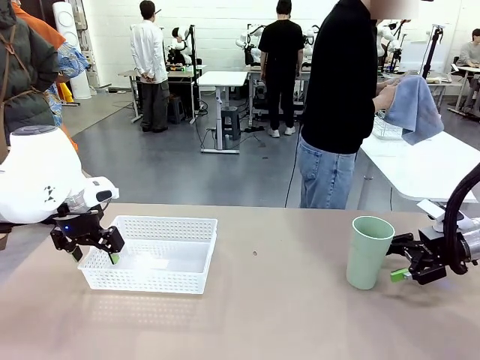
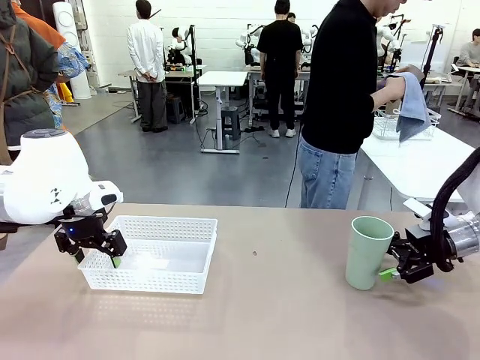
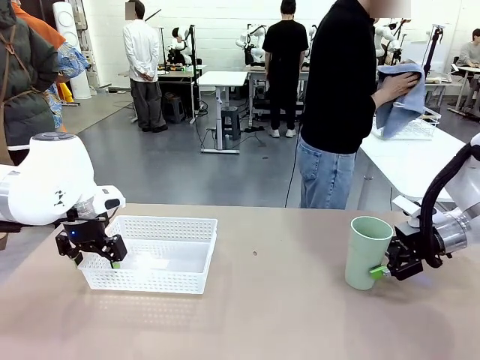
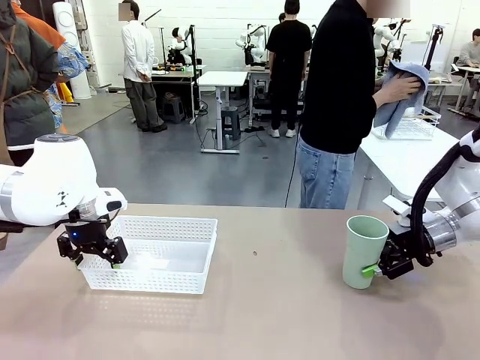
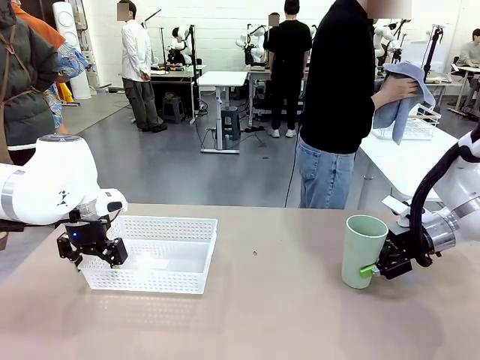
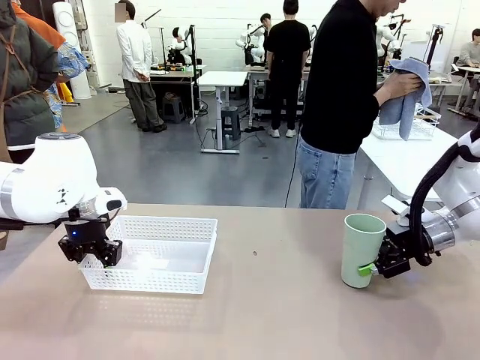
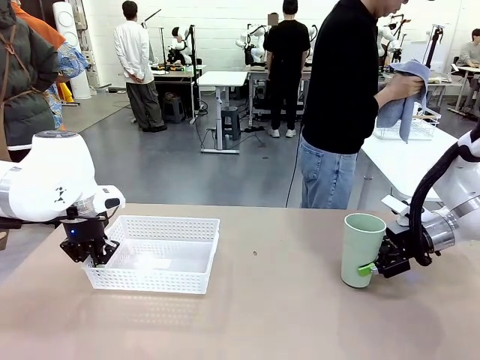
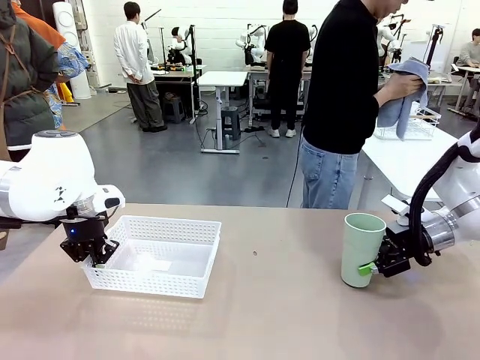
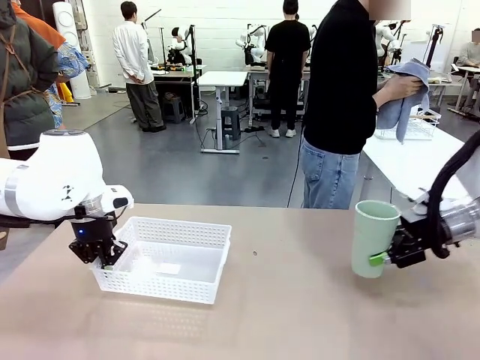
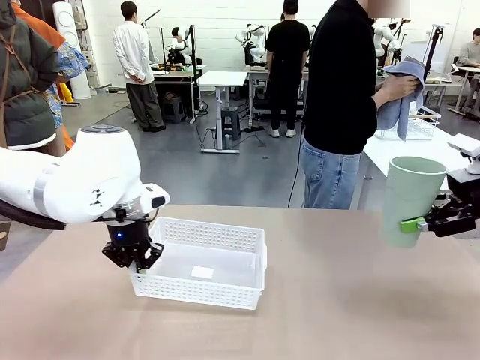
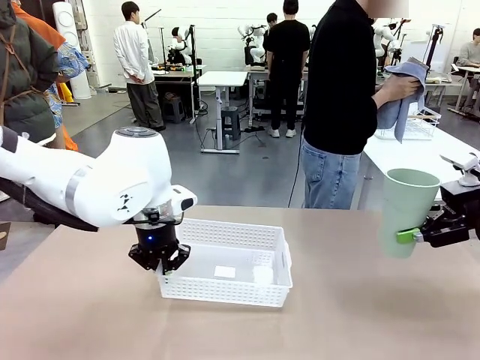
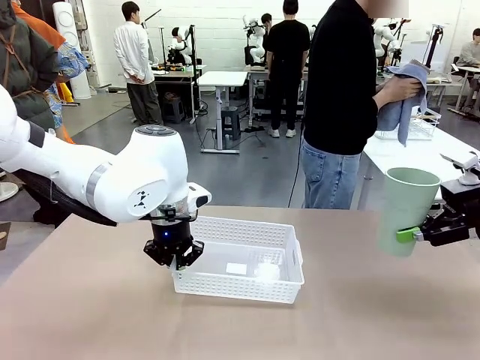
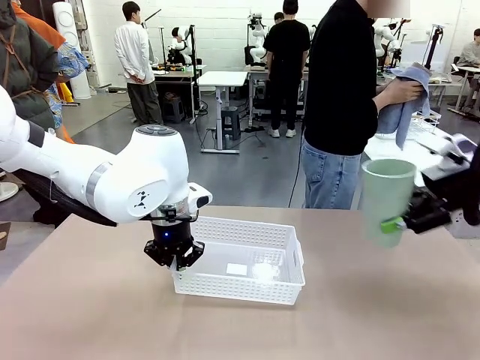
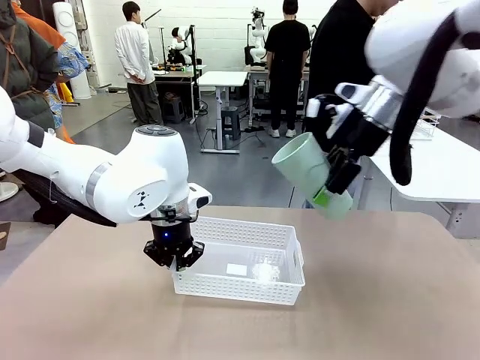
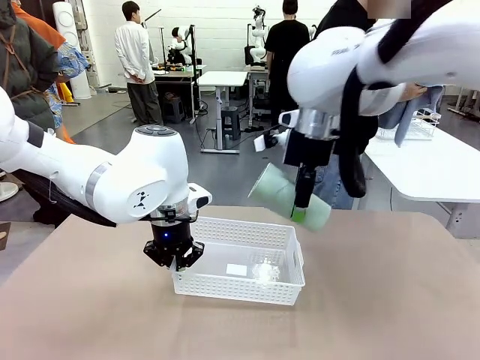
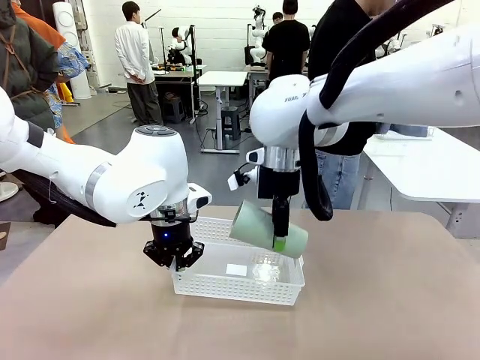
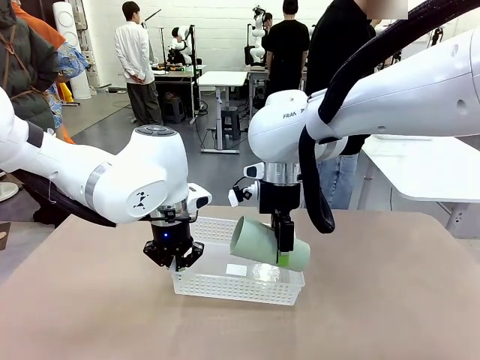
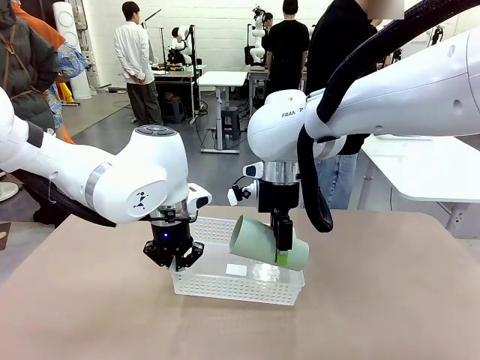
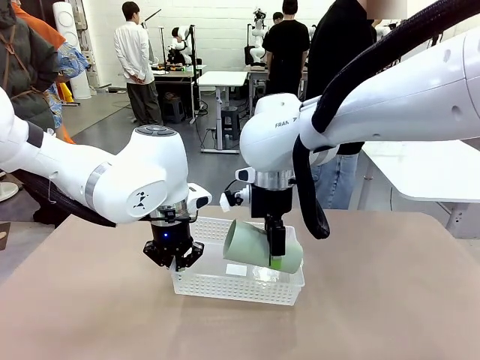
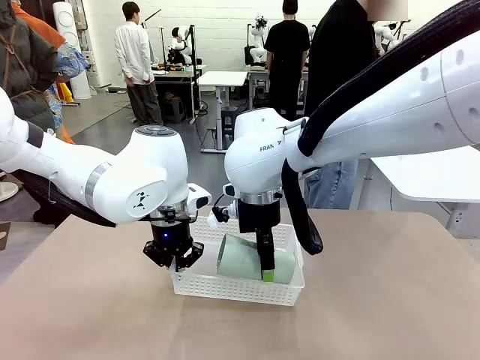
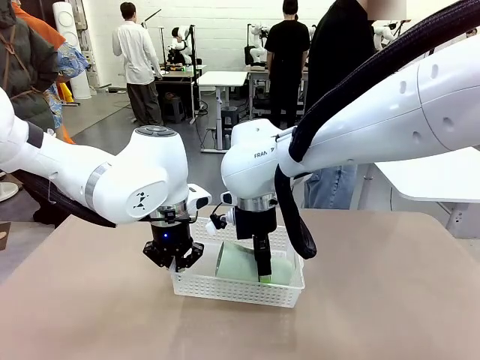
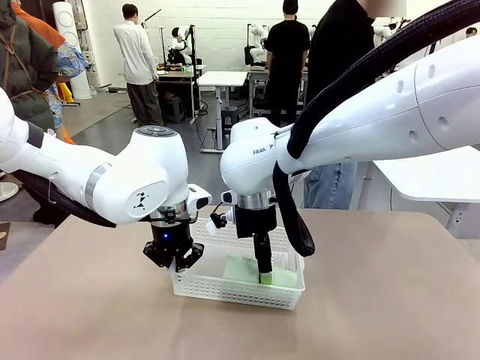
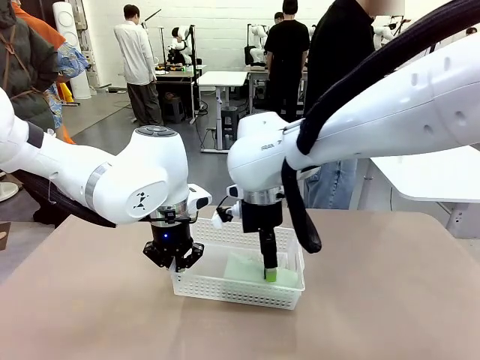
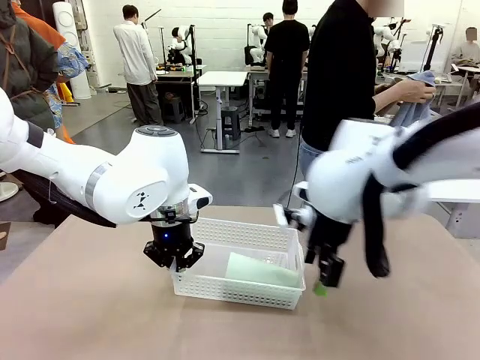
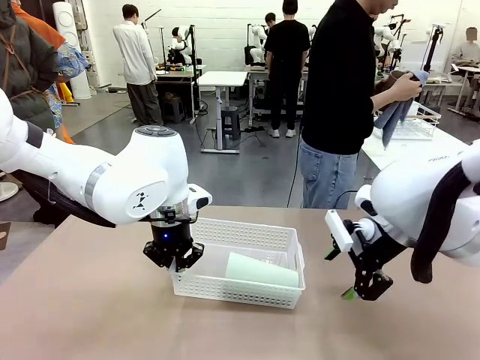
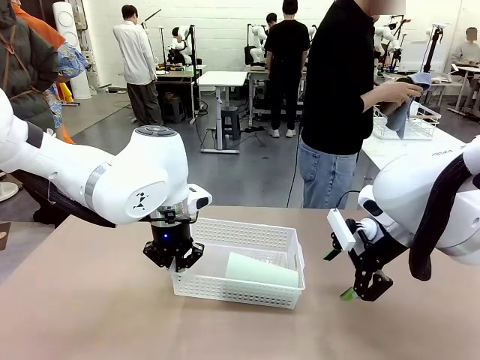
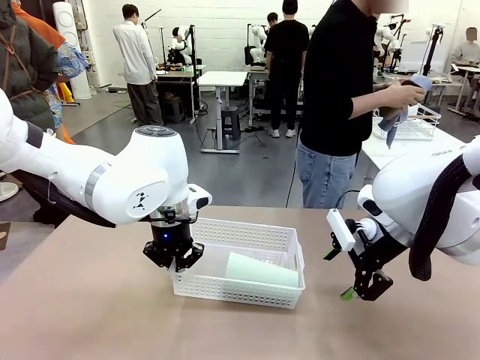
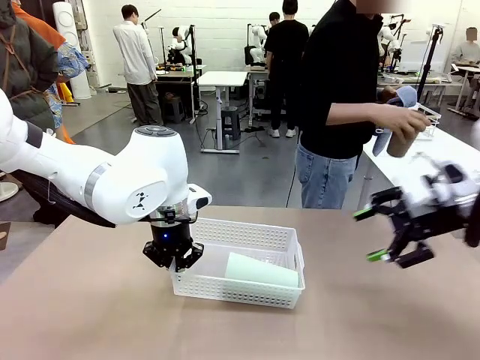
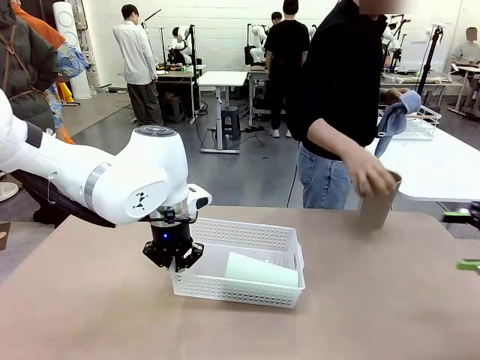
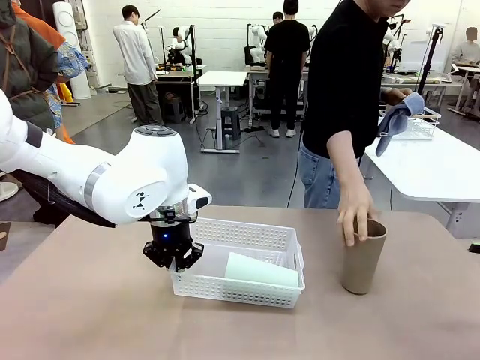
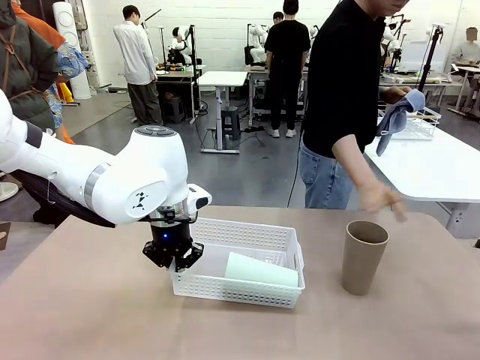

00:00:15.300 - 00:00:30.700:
Task: Clean and organize the cups into the basket.
Robot: Pick up the Organizing basket and move it to the center of the table, then pick up the Reusable plastic cup from the right side of the table and place it inside the Organizing basket.

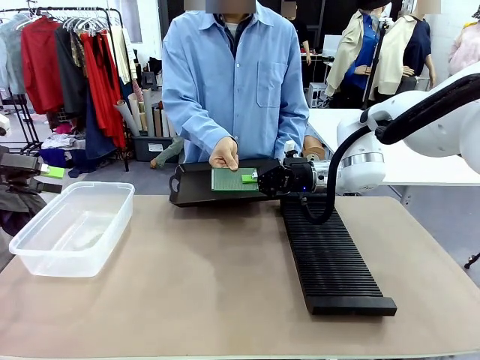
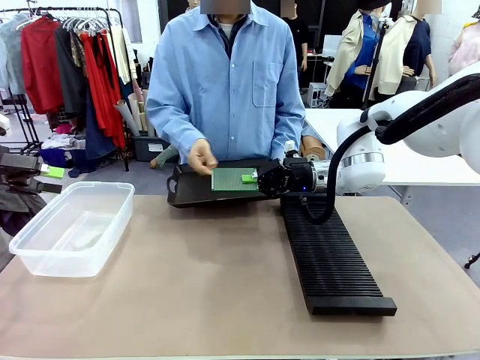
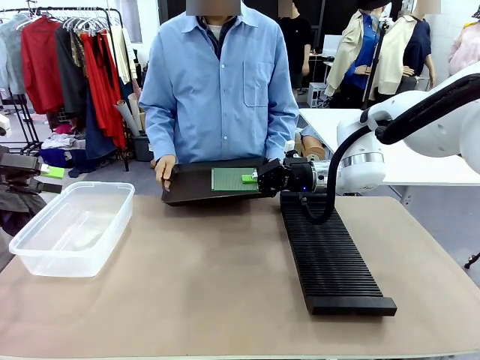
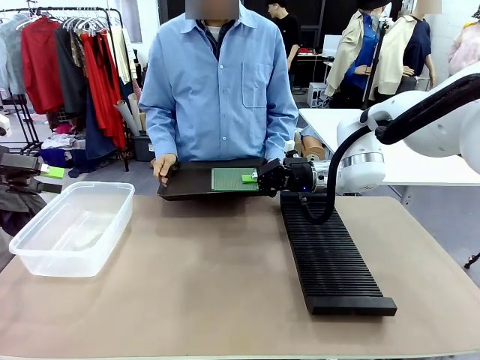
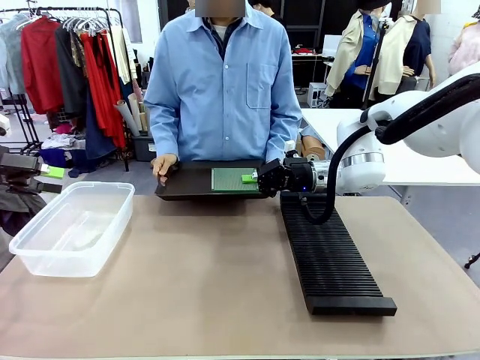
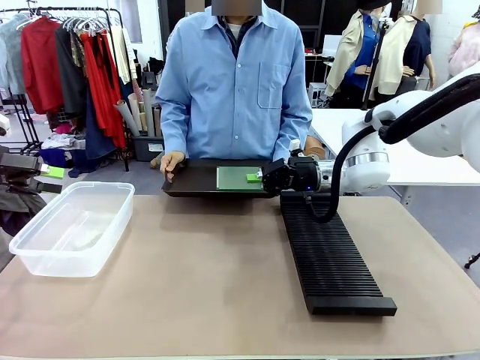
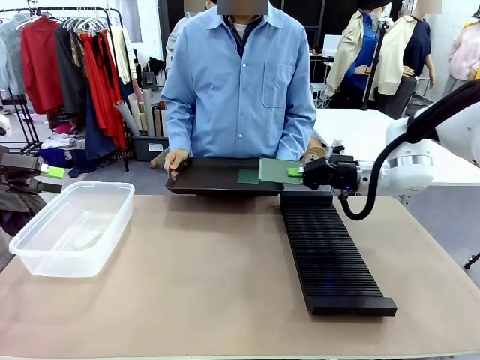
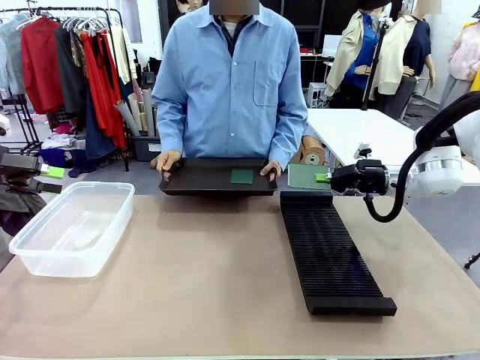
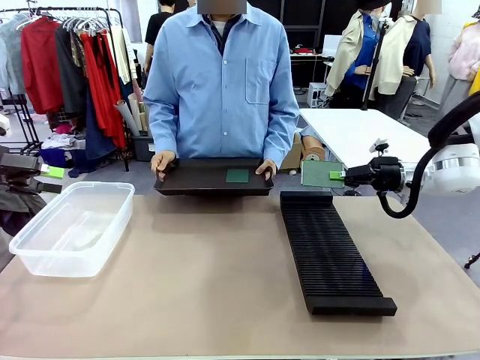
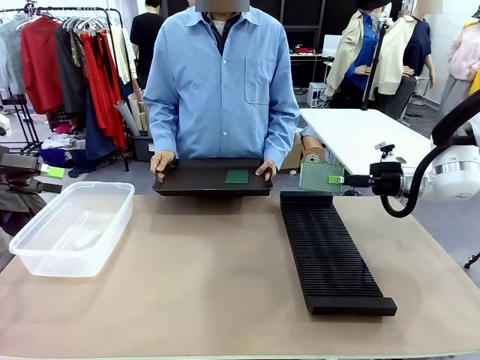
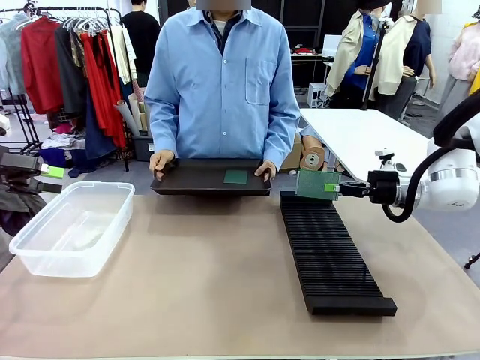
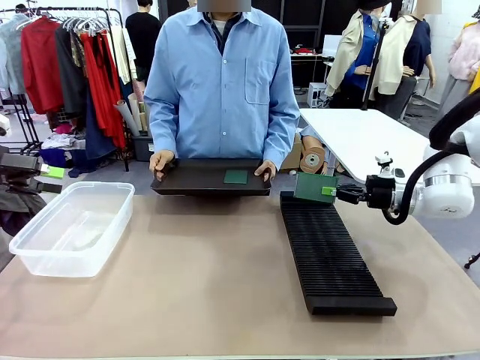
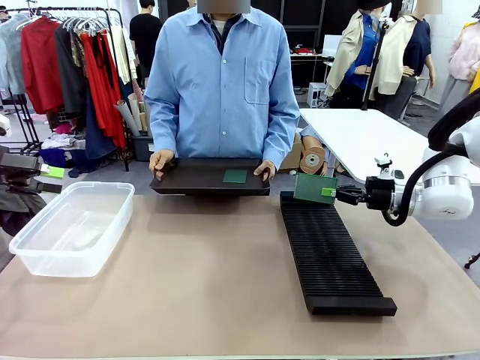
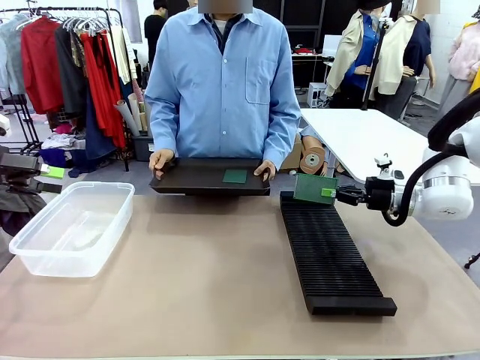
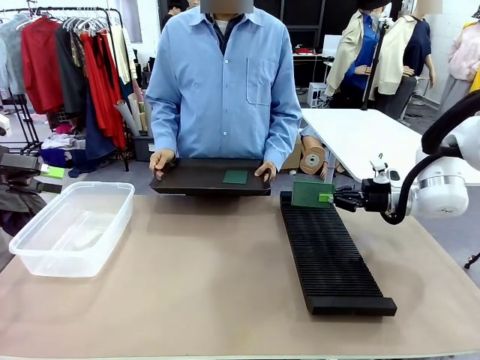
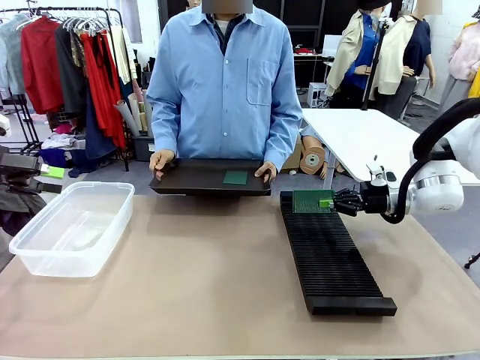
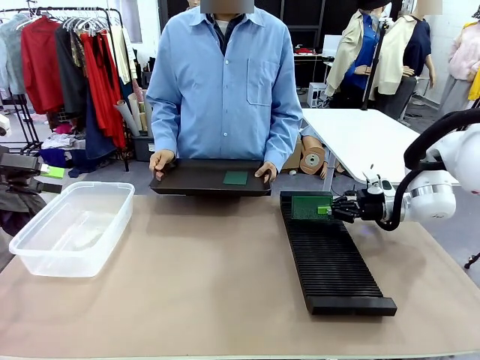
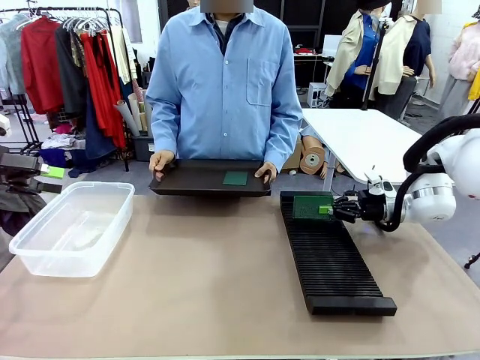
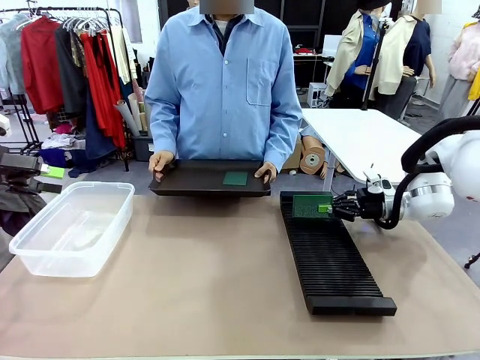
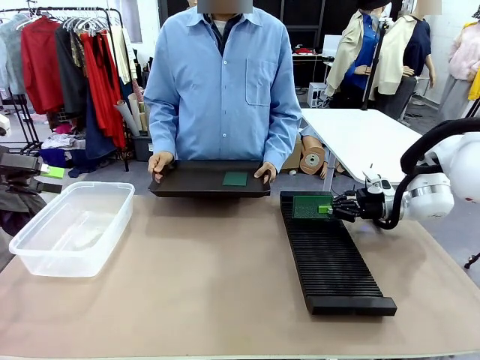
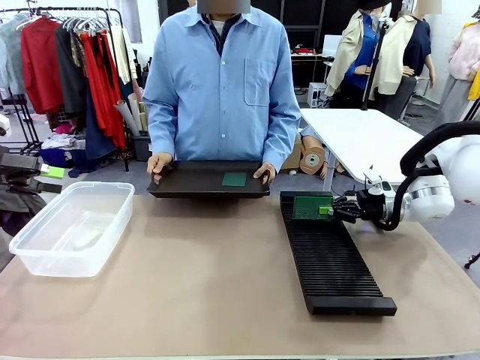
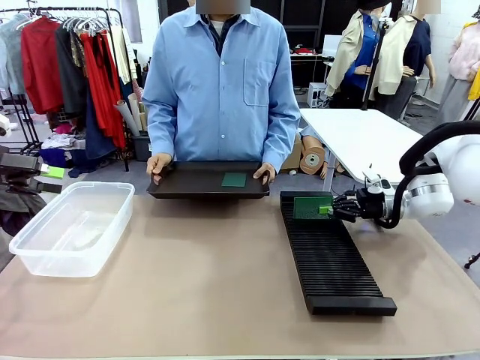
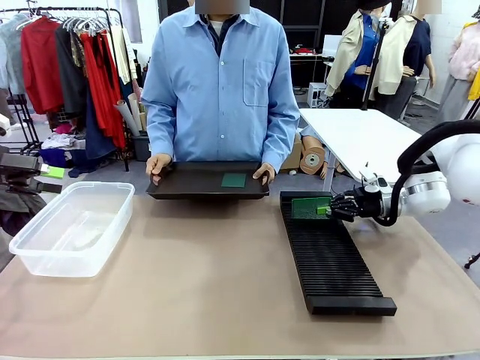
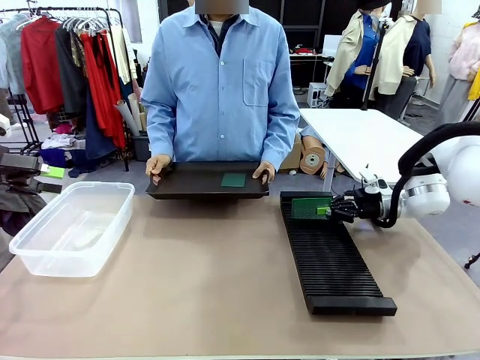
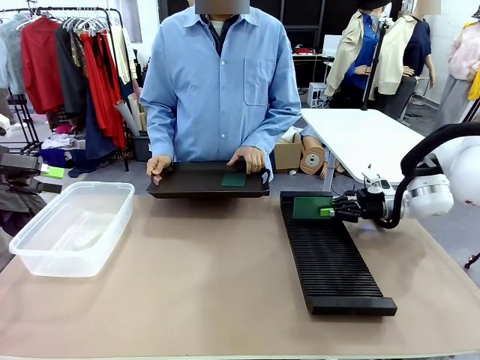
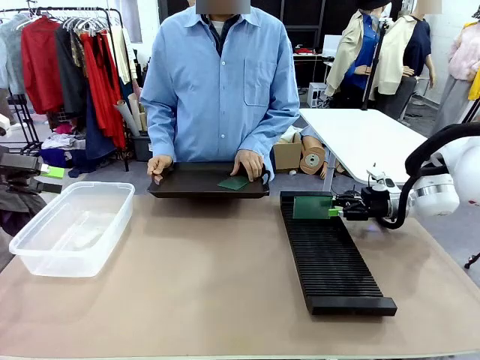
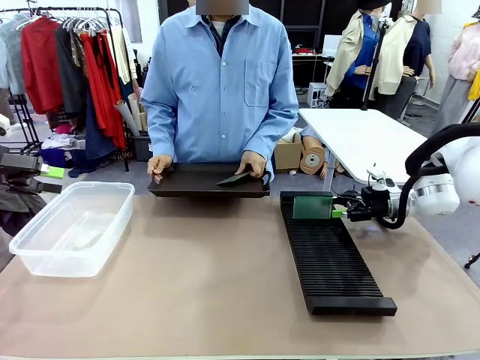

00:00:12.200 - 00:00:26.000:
Task: Sort PCBs into racks and boxes based on the side picked up.
Robot: If the short side of the Blank PCB is picked up, insert it into the PCB Rack ; if the long side is picked up, place it in the Organizing box.
Person: Pick one PCB from the tray and present it to the robot.
